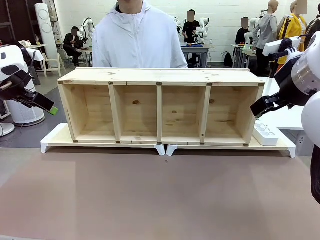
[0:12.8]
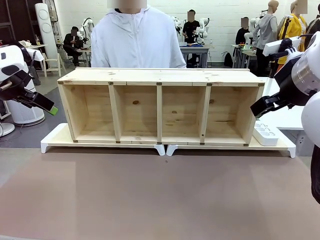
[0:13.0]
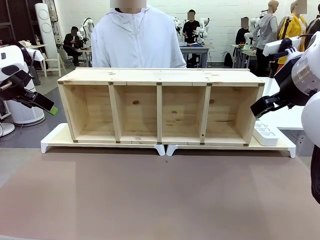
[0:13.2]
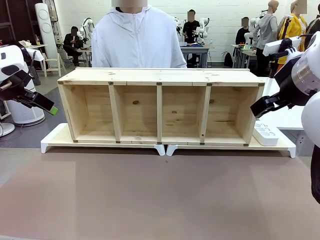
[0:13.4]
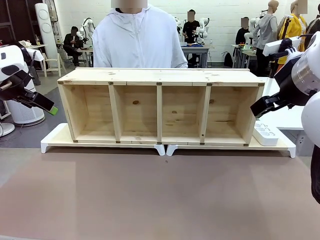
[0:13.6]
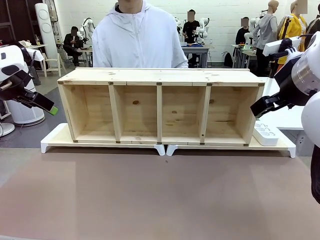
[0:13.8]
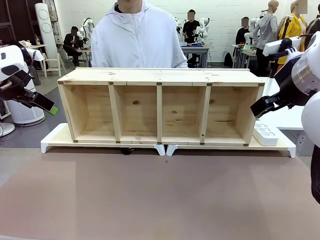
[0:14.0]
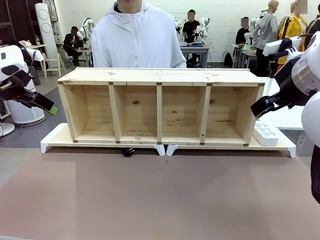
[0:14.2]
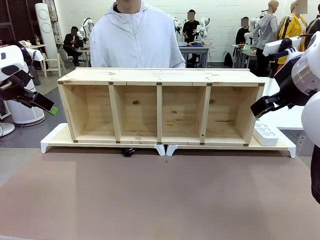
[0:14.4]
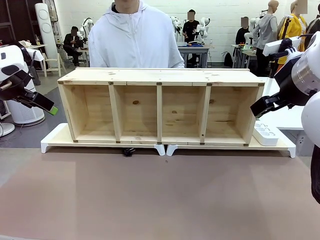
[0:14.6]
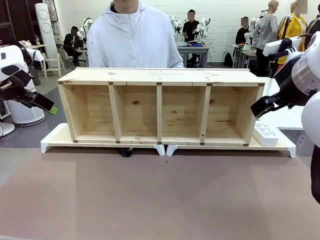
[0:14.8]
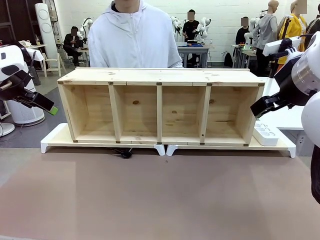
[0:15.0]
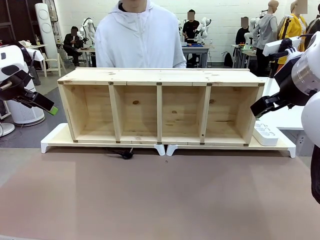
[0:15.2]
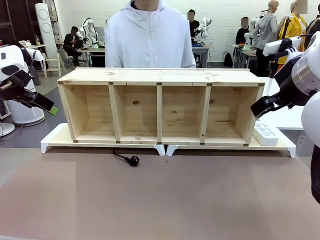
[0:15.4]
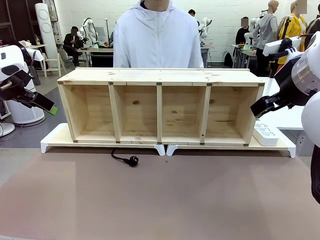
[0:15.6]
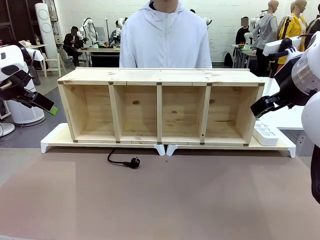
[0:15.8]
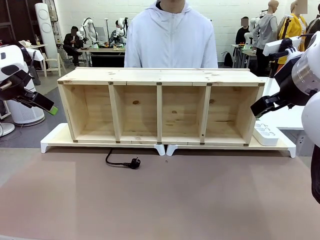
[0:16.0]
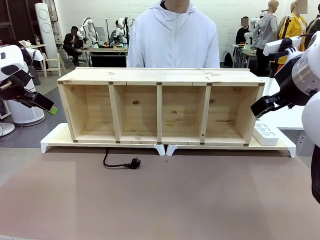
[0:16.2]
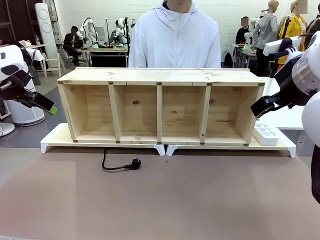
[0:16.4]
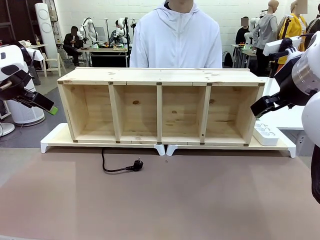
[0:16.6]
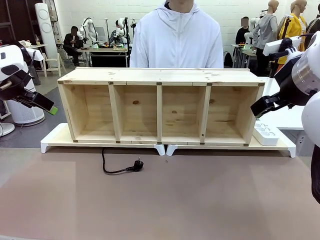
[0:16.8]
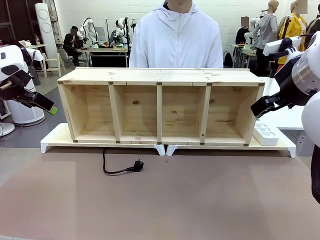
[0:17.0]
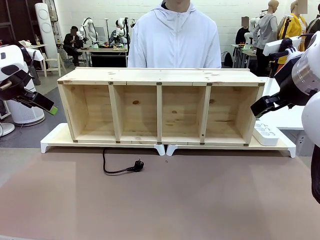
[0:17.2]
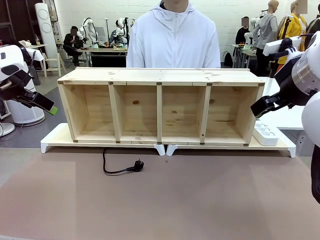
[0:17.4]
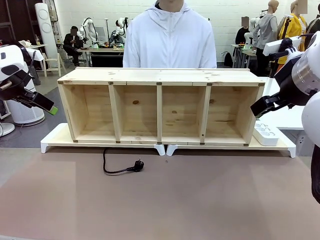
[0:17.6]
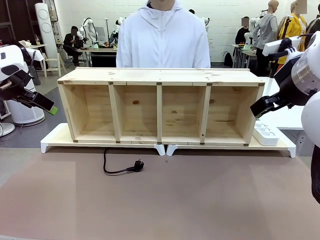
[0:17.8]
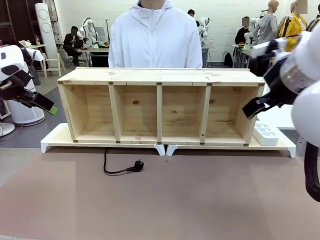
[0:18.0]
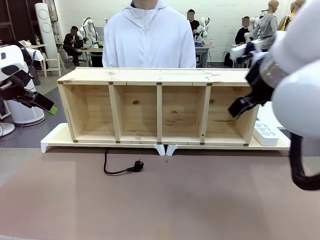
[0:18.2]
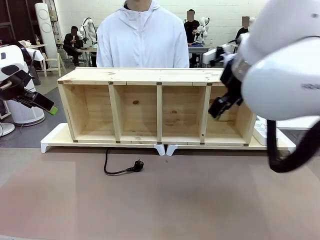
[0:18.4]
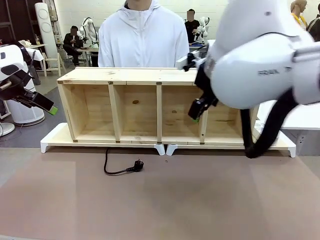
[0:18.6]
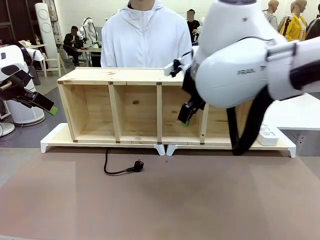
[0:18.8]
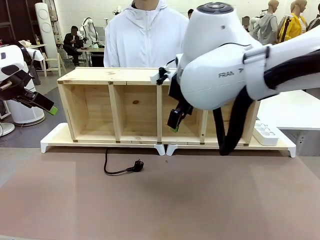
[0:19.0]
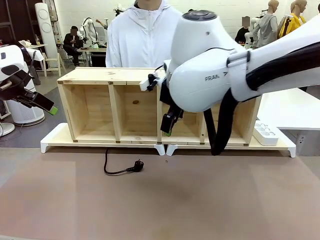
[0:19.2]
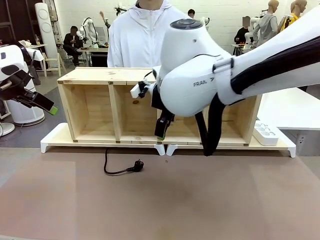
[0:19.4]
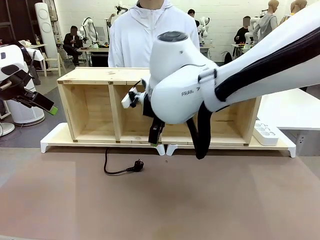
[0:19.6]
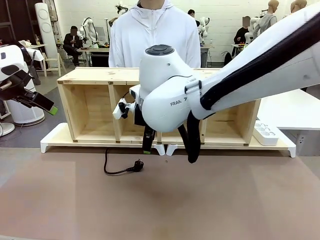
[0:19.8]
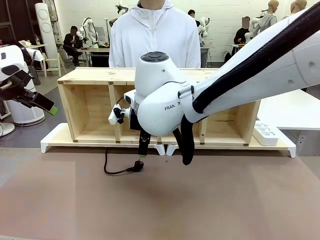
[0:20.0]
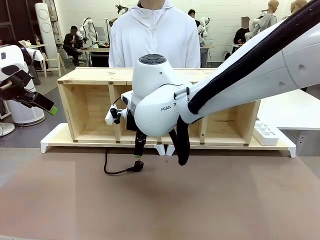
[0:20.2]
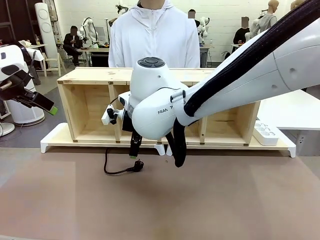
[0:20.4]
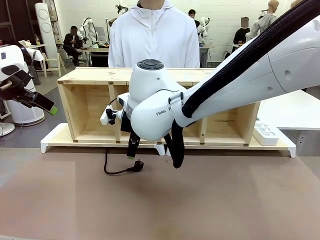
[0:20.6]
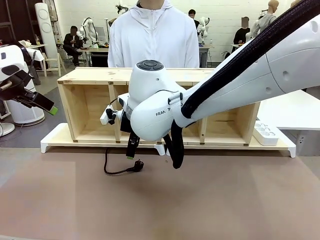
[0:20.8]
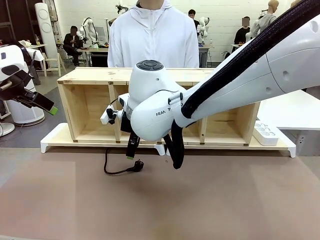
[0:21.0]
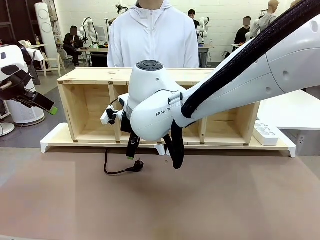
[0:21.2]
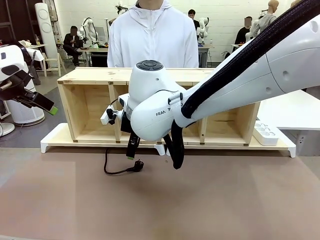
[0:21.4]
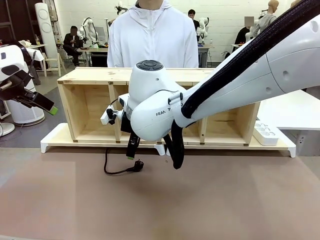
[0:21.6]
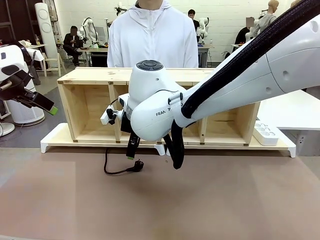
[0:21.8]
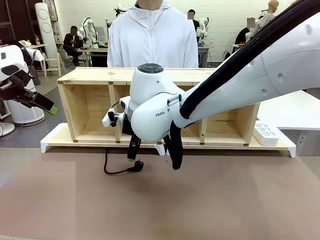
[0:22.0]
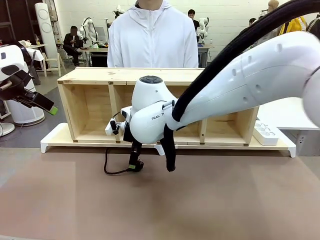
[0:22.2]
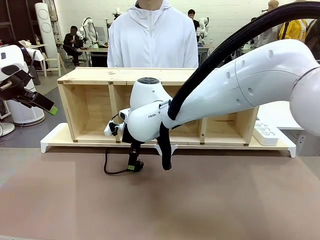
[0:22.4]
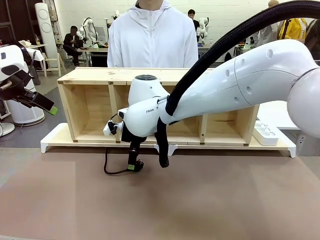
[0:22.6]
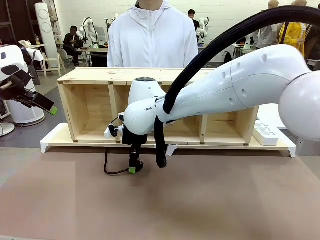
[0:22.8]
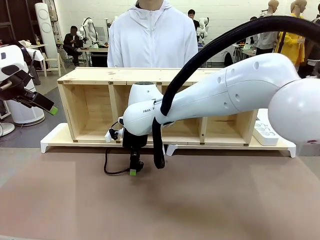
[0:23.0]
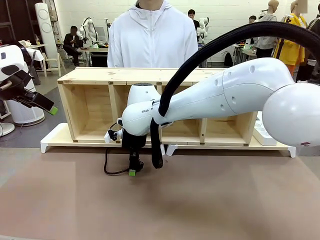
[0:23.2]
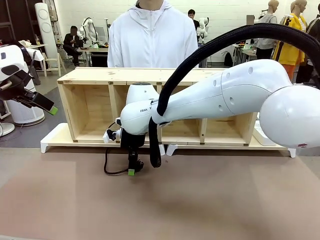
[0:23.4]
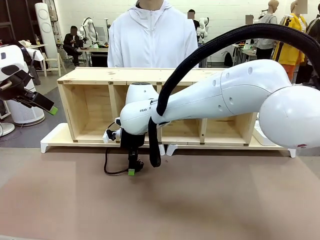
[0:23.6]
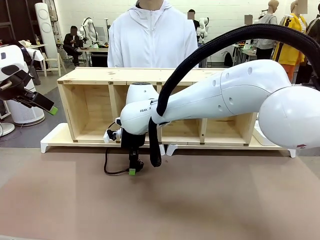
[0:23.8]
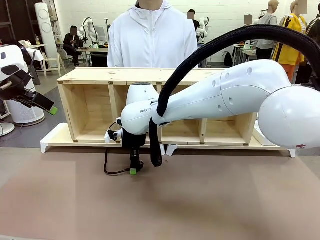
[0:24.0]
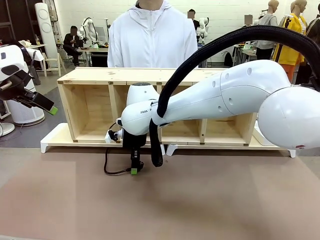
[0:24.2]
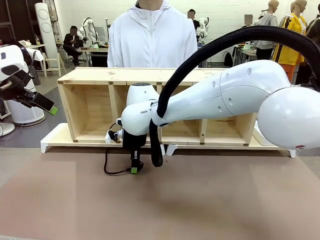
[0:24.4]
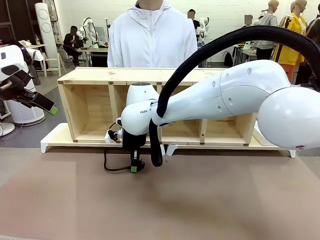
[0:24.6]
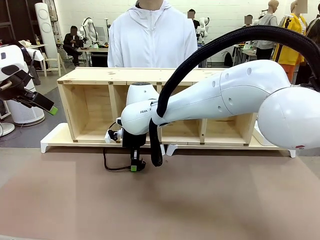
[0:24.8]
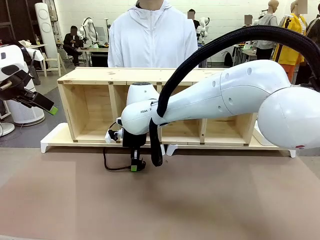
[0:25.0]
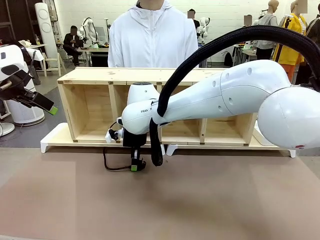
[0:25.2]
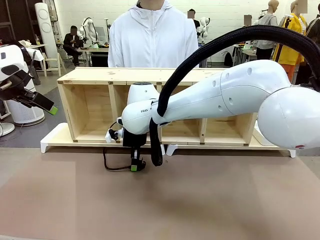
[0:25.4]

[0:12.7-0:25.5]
Task: Perform cable management.
Robot: When the cord part of the Power Cable appears at the lower middle area of the table and stops, grasp the cord part of the Power Cable.

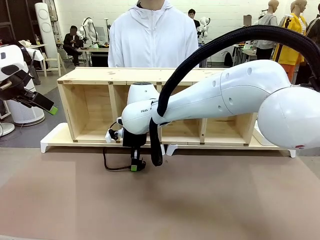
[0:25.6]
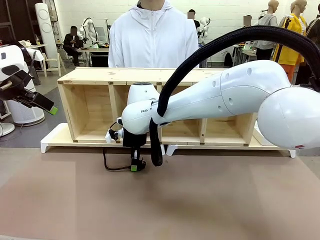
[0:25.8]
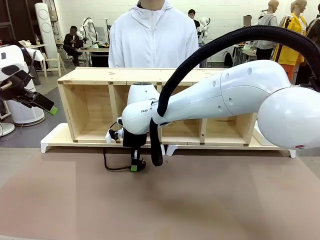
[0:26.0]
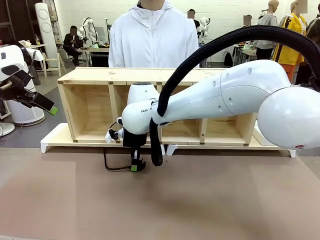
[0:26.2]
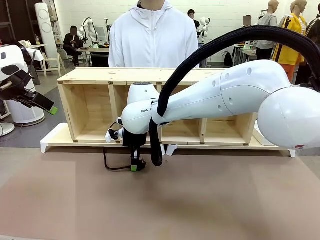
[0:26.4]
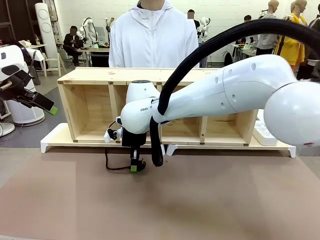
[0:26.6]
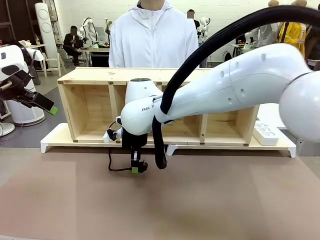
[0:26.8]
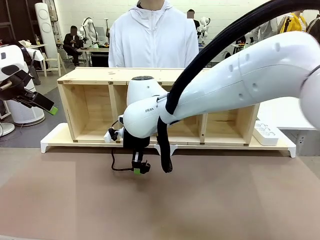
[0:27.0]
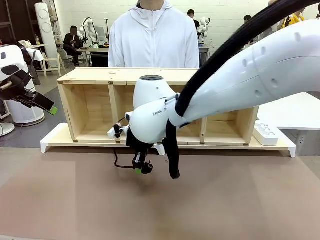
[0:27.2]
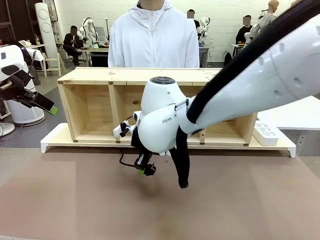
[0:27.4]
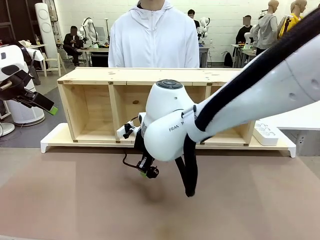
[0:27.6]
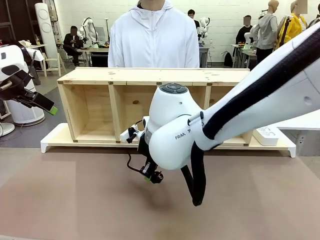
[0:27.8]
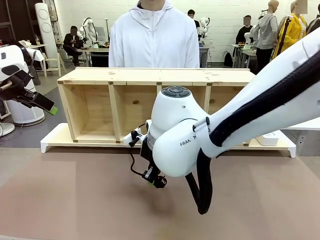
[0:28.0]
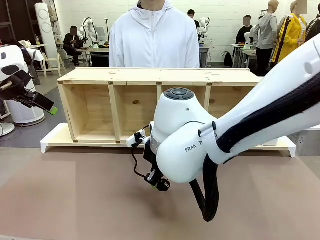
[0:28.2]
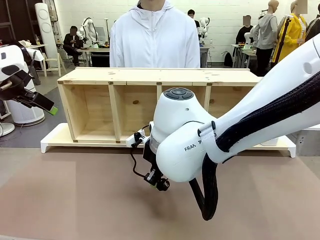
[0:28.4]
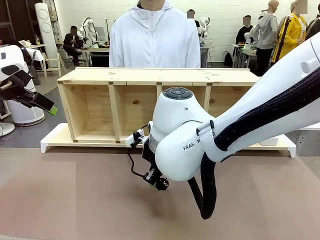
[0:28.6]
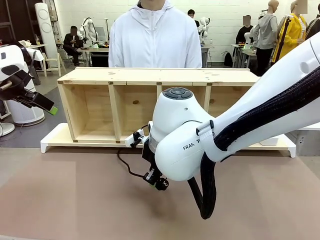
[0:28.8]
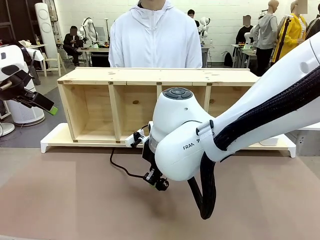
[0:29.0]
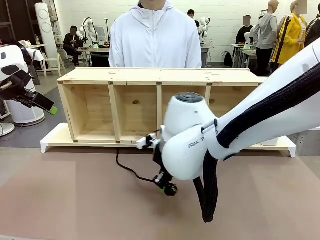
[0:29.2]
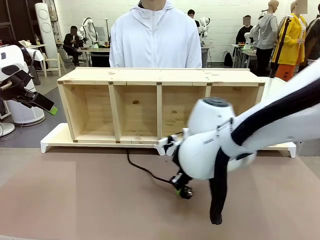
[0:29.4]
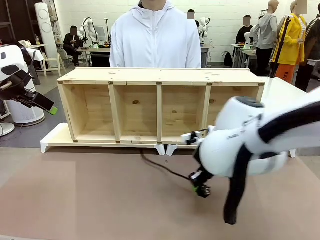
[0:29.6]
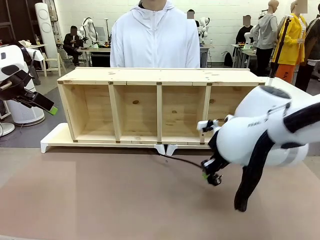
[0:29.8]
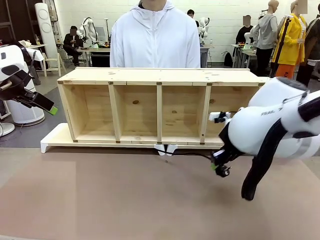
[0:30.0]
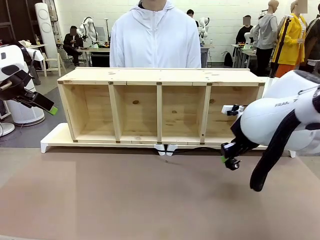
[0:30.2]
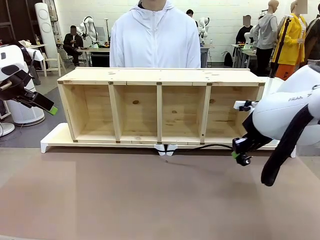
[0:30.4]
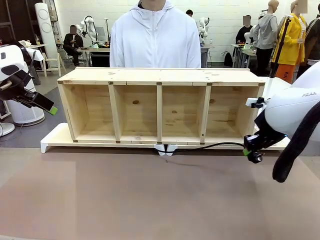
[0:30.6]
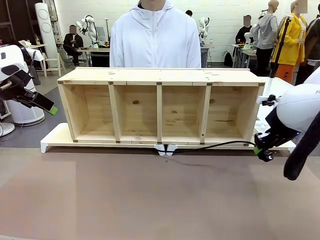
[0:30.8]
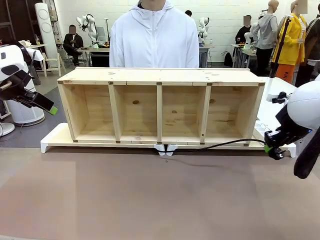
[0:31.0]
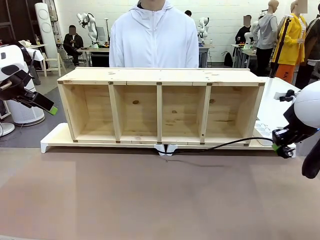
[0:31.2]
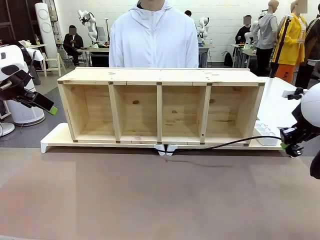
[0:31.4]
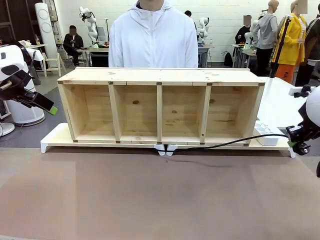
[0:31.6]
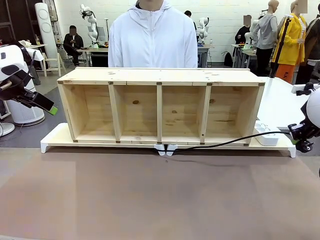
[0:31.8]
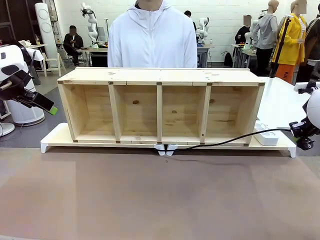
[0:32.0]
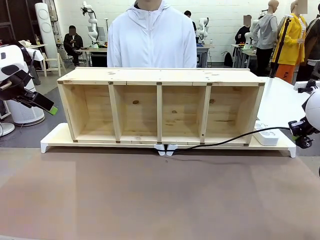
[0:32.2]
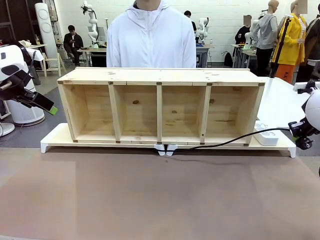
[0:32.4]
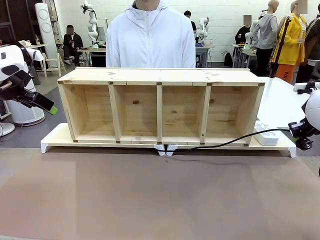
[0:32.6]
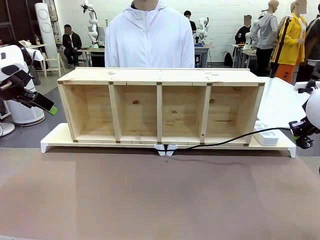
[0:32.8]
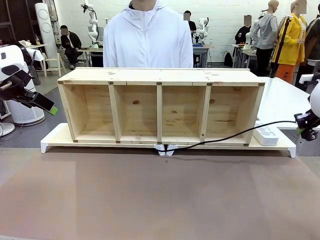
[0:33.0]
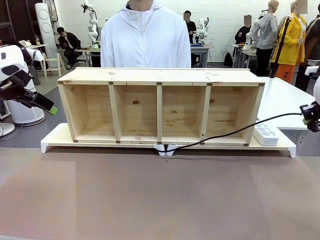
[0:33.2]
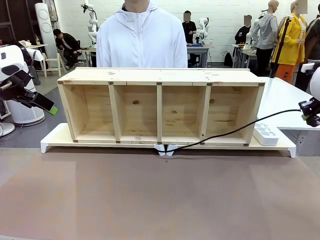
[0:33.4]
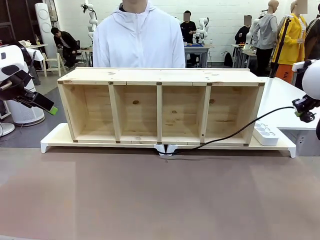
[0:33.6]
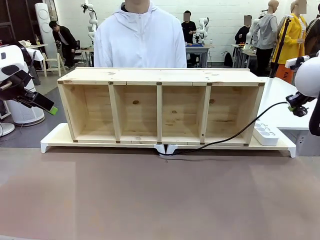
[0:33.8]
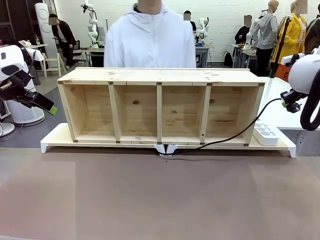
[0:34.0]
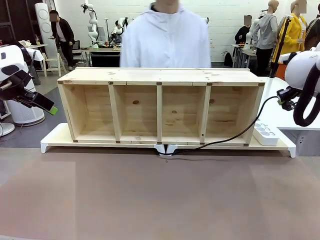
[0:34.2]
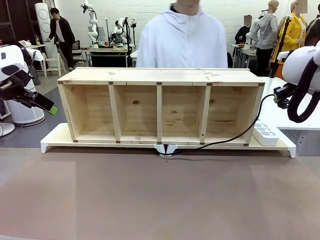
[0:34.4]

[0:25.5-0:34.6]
Robot: Pull the grasped Power Cable to the location of the Power Strip.
